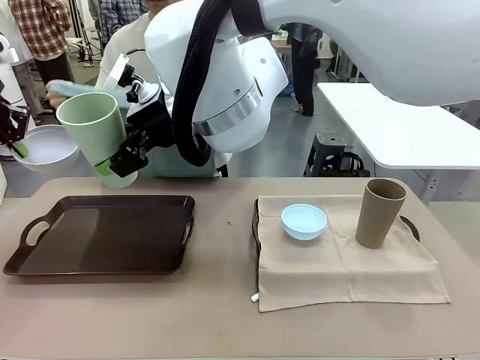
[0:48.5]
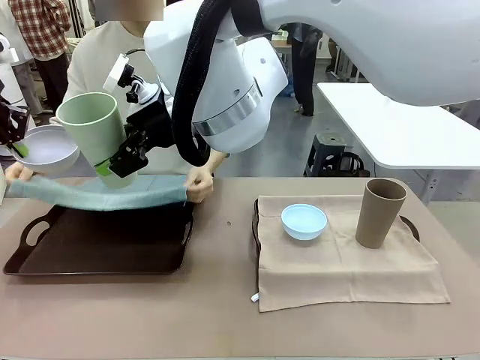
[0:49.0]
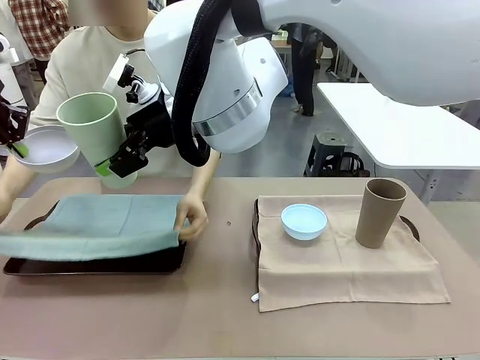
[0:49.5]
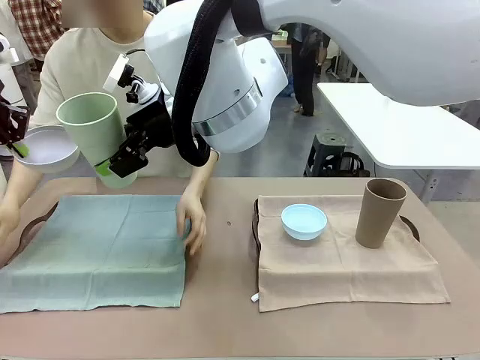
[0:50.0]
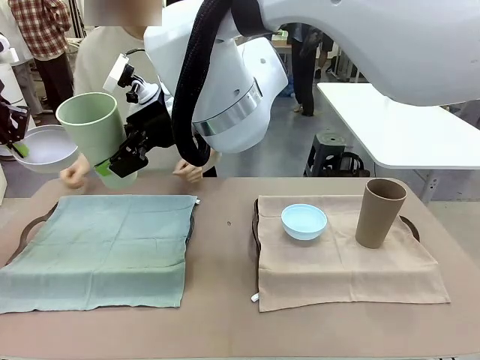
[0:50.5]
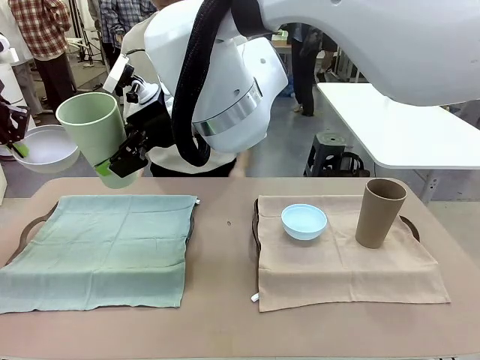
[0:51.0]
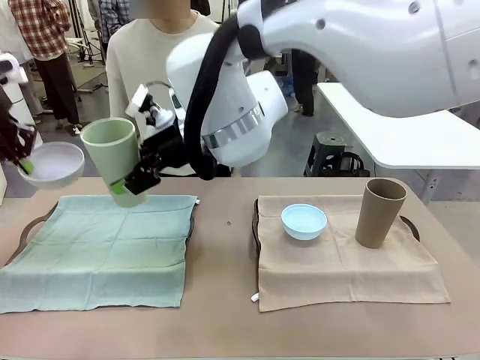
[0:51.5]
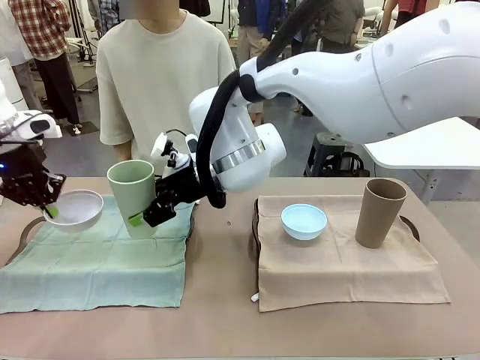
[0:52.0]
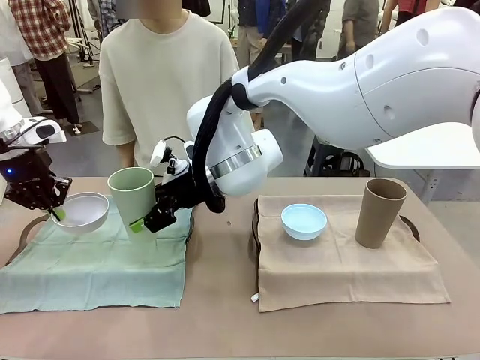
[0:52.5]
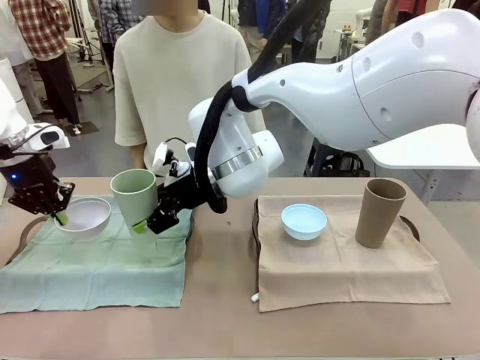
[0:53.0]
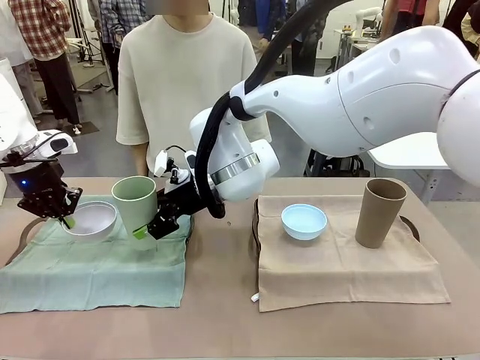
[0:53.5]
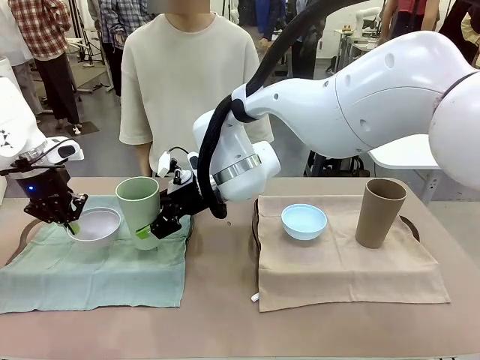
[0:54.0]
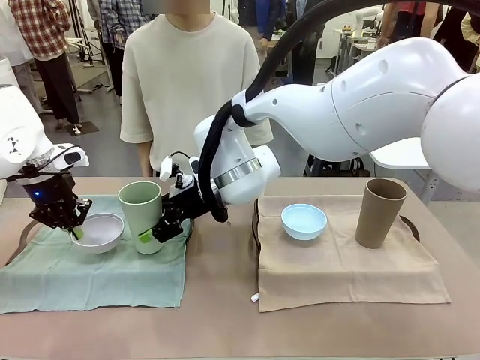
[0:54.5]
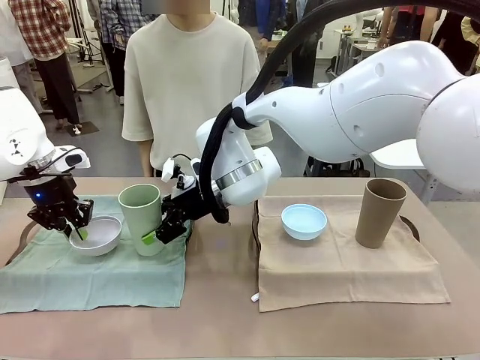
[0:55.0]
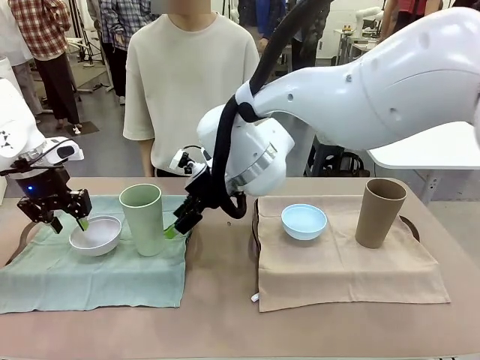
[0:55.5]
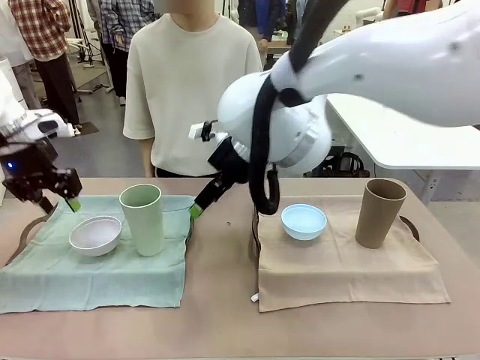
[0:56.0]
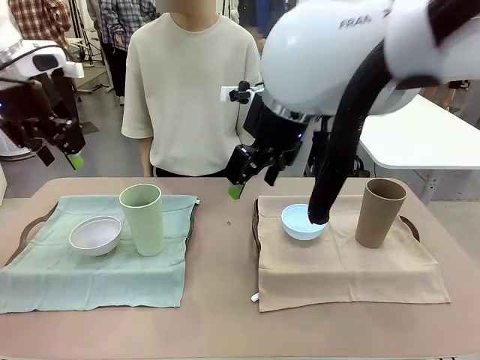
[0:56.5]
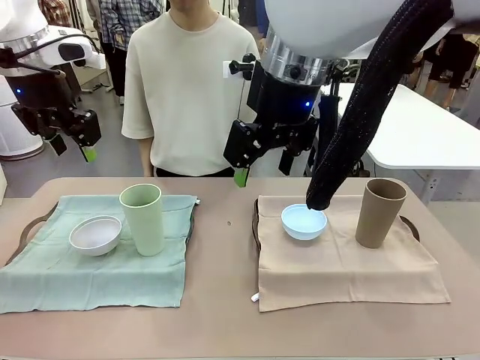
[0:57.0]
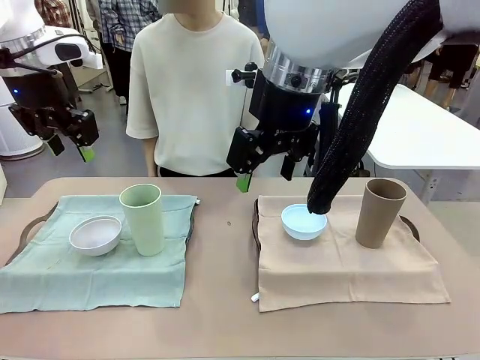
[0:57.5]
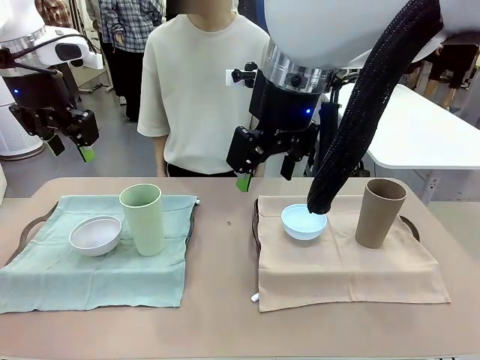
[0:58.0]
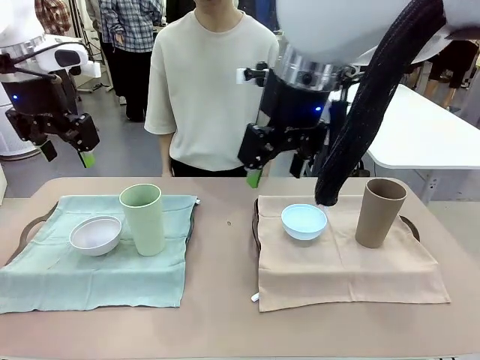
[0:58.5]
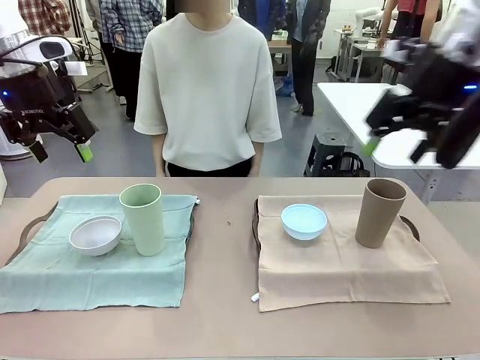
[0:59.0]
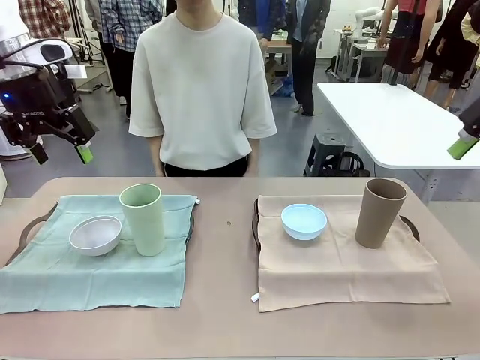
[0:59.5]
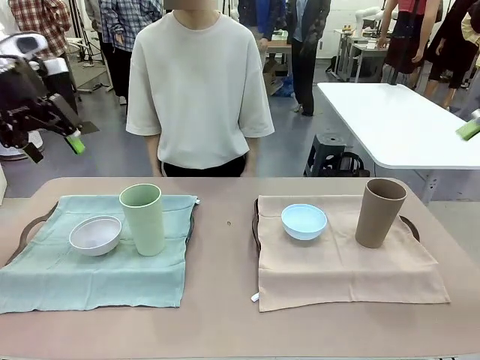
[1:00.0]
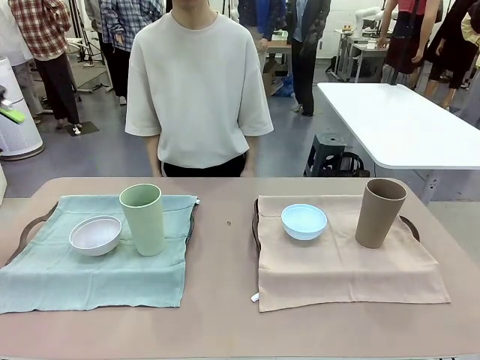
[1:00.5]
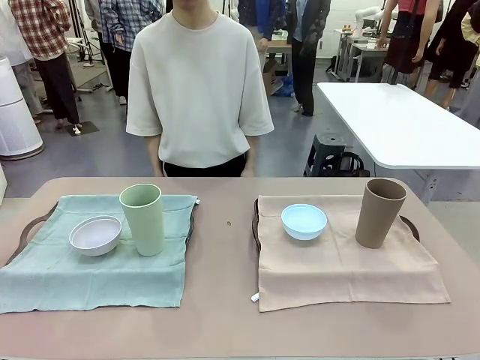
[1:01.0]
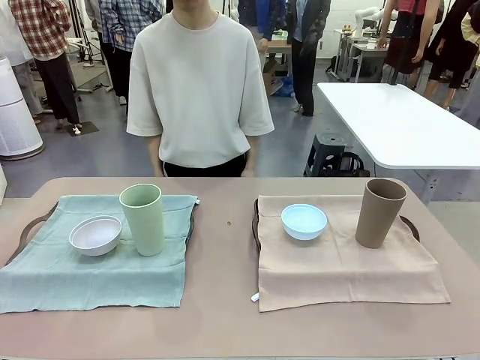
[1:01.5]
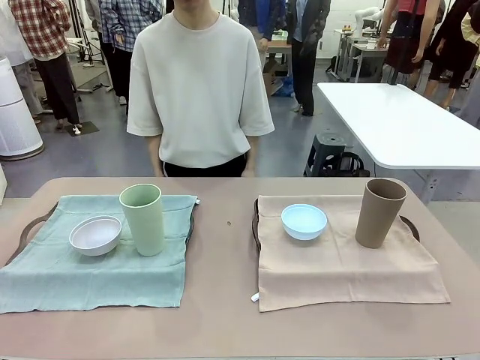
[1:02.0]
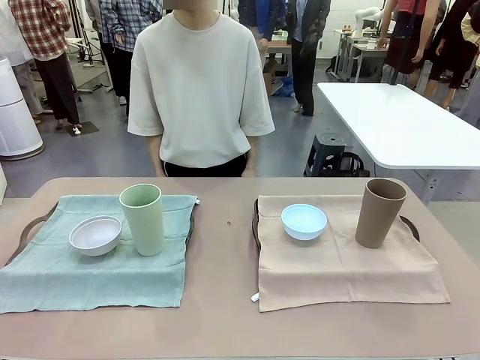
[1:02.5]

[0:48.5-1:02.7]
Robot: Place the Picnic Bowl and Reusable plastic cup back onto the Handle tray in front of the human's position.

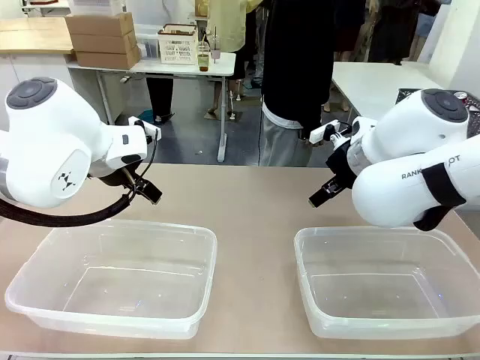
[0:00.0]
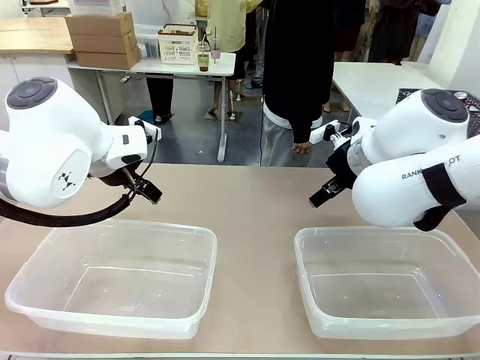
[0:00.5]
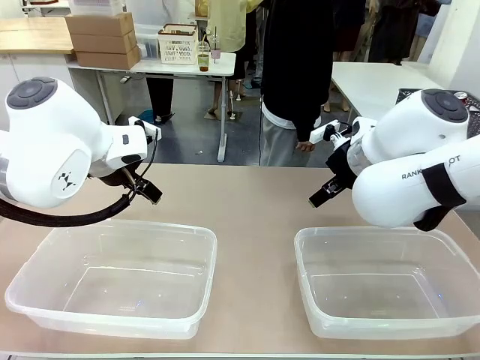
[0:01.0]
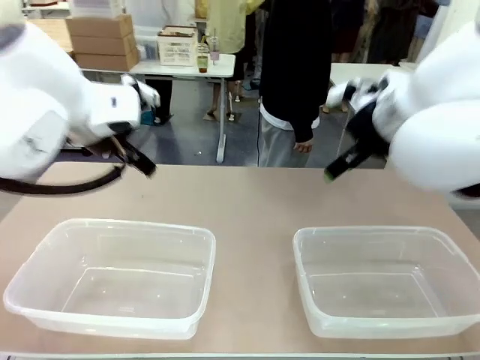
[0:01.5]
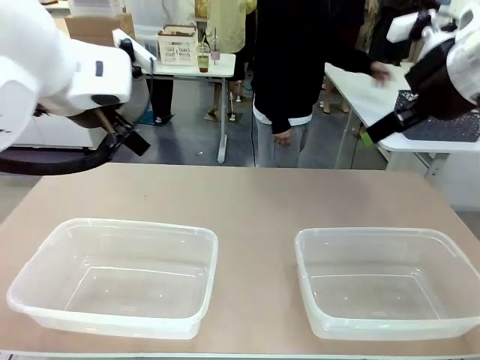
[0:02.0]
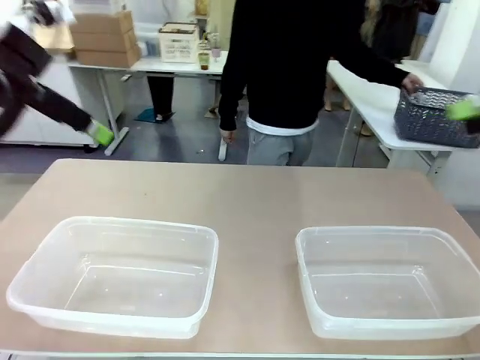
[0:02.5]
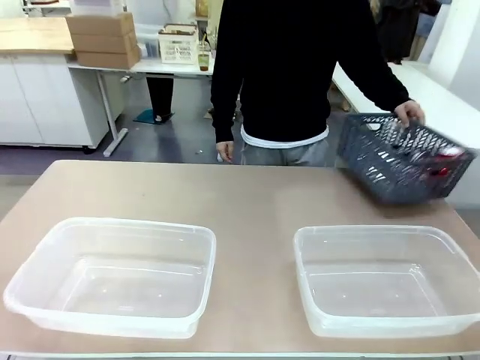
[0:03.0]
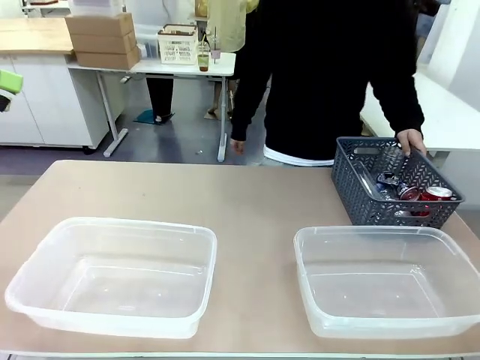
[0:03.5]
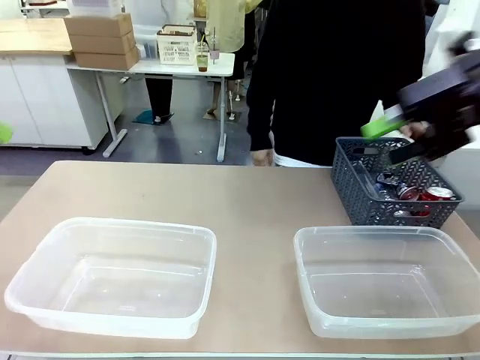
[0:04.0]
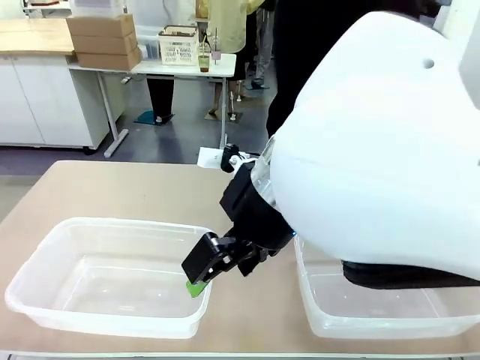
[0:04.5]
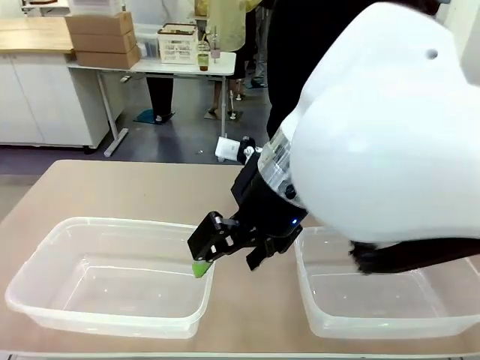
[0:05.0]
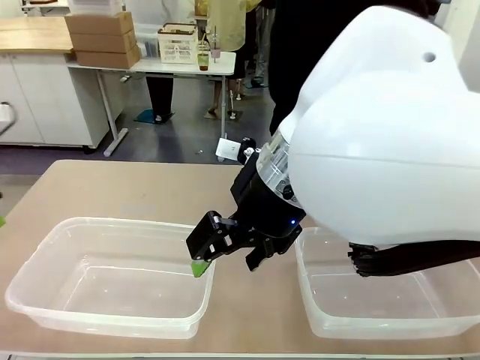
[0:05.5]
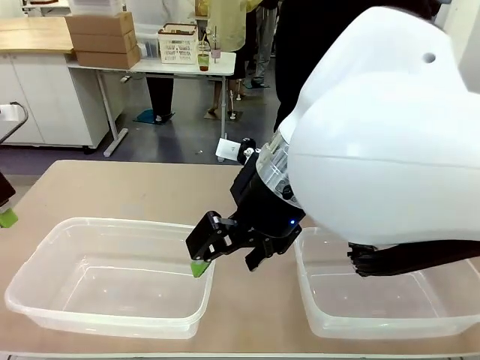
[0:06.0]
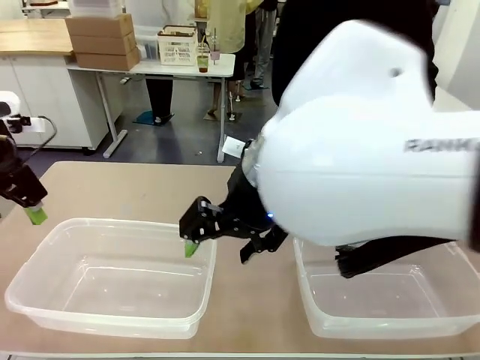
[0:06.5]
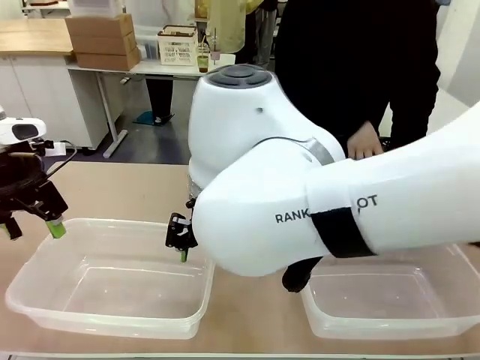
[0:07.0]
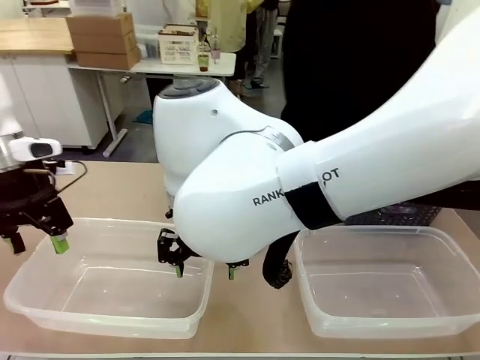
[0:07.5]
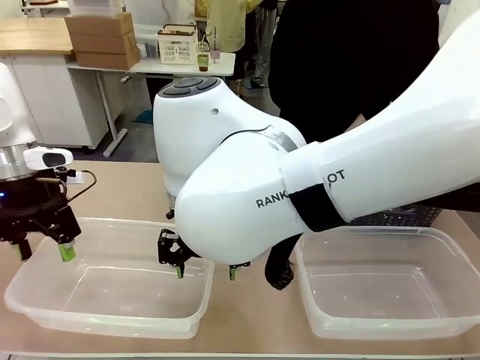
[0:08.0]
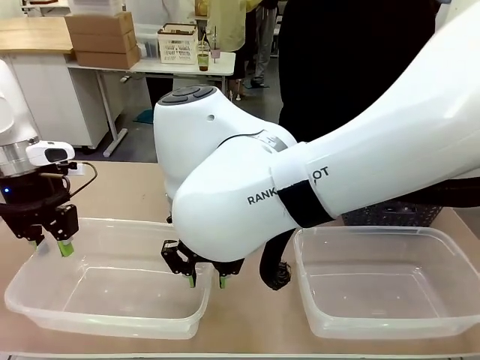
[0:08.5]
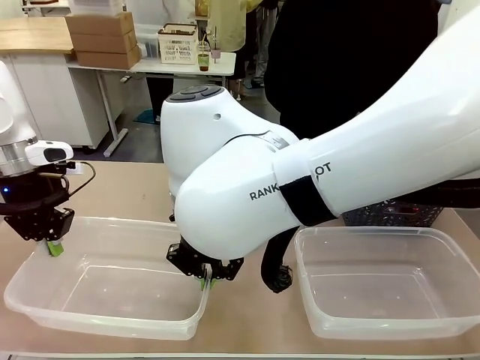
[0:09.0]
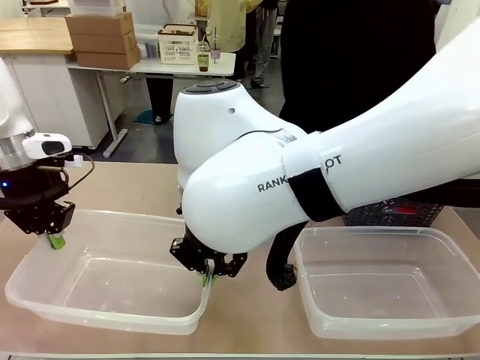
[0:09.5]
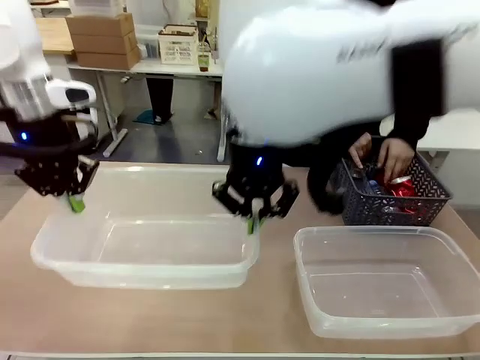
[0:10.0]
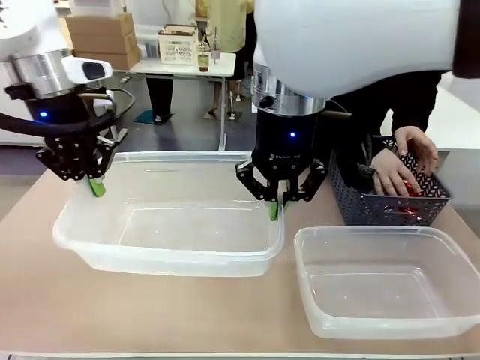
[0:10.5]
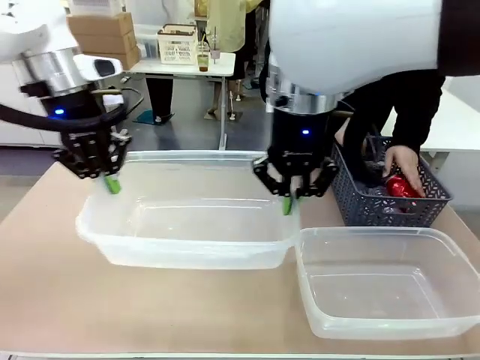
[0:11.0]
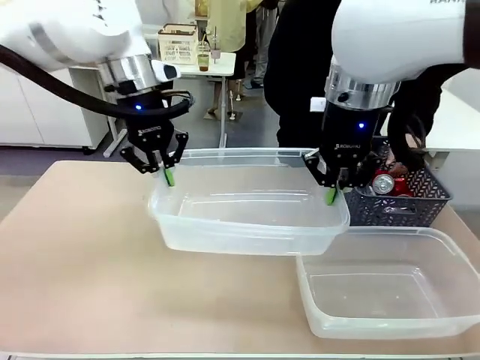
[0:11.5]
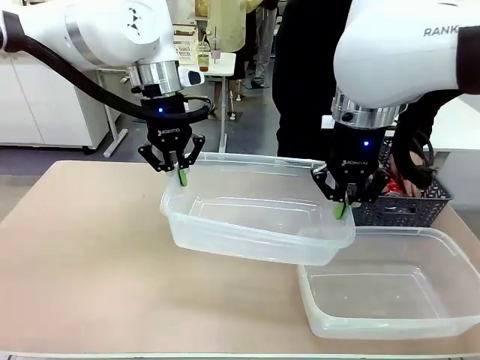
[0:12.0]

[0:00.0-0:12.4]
Robot: Pick up the Organizing box on the left side of the table and lift it.
Person: Pick up the storage basket and place it on the left side of the robot table. Pick up can-shaped waste one by one and place it into the organizing box lifted by the robot.
